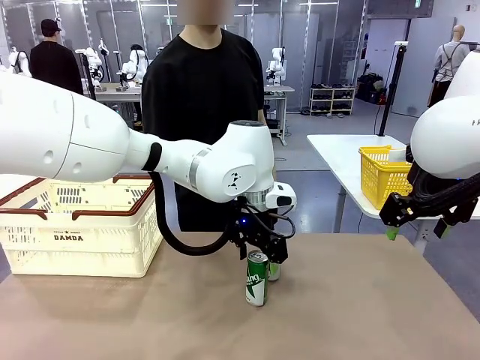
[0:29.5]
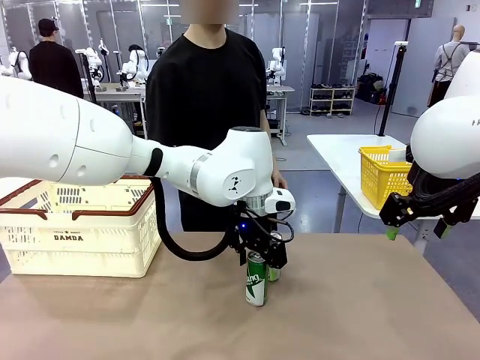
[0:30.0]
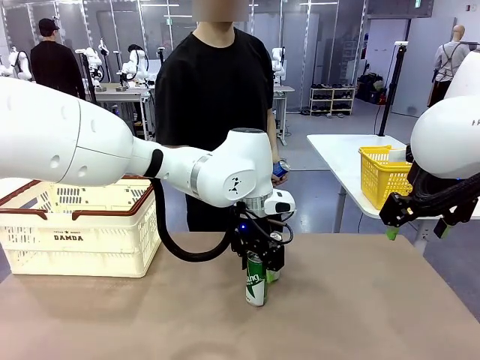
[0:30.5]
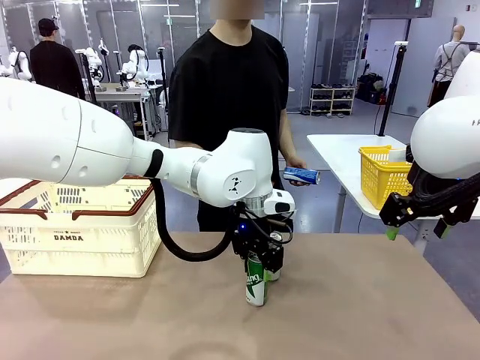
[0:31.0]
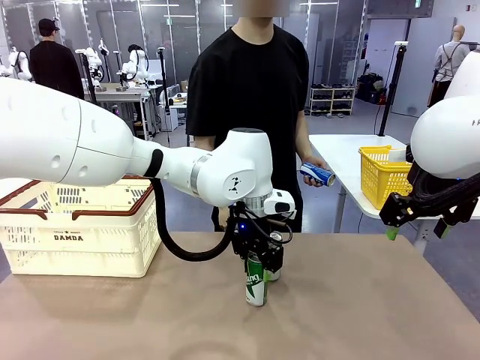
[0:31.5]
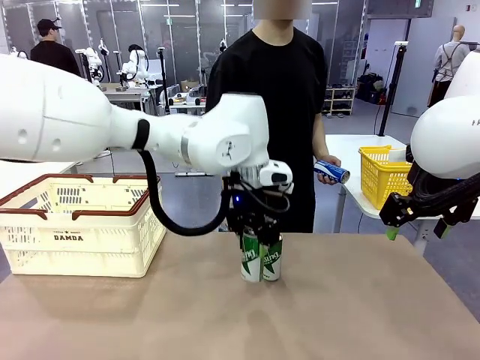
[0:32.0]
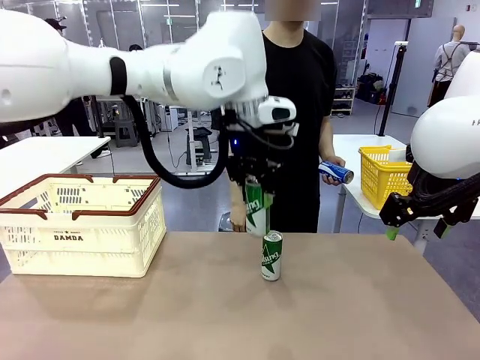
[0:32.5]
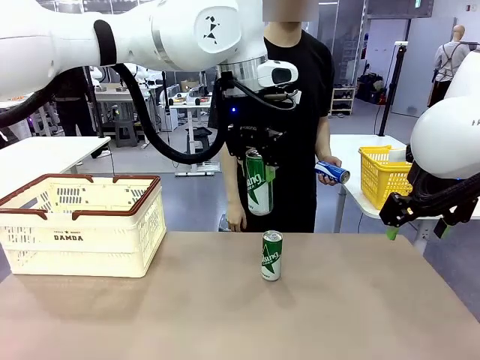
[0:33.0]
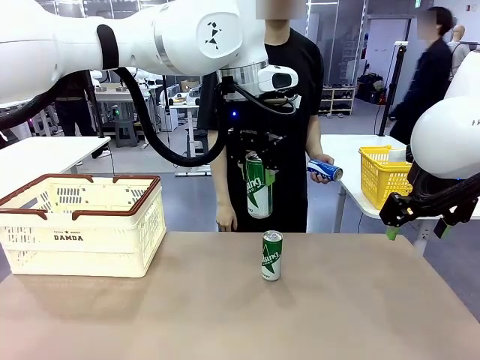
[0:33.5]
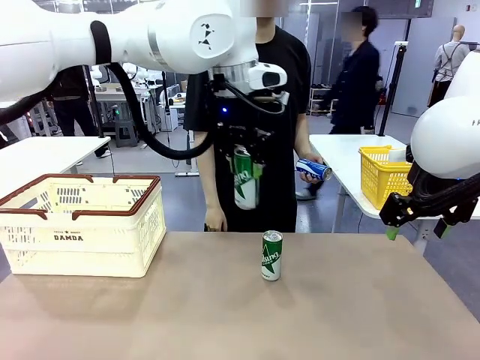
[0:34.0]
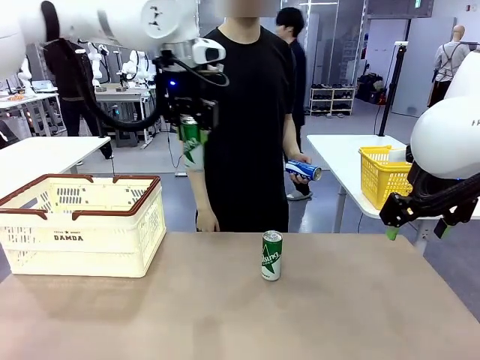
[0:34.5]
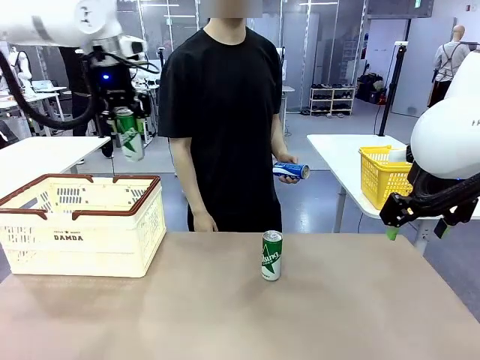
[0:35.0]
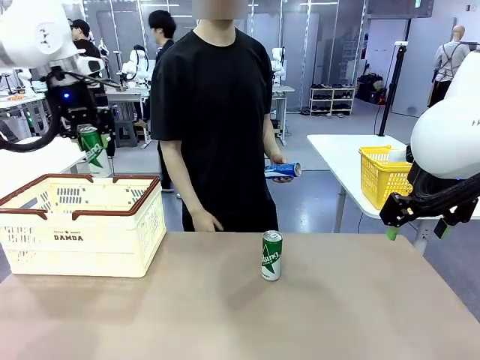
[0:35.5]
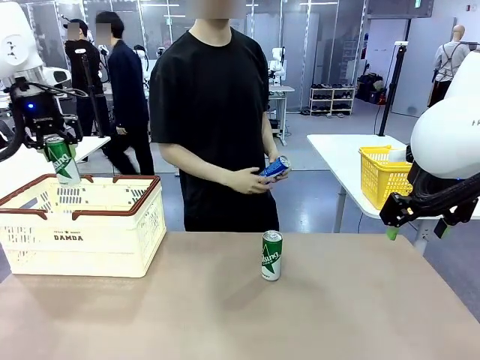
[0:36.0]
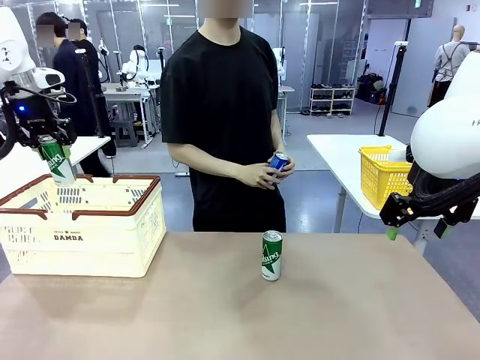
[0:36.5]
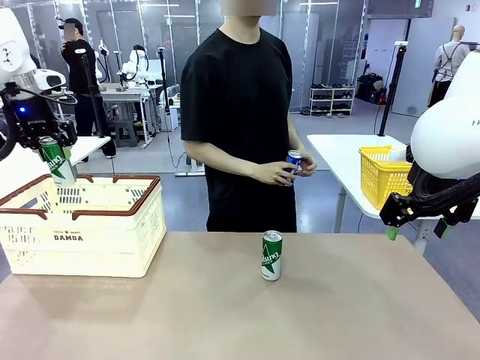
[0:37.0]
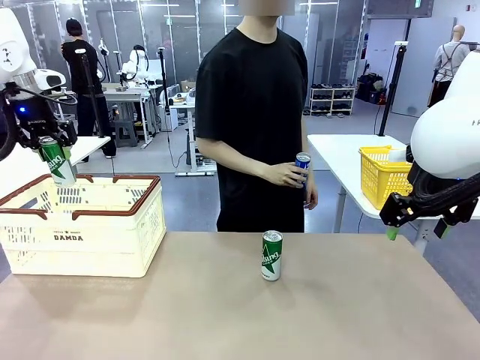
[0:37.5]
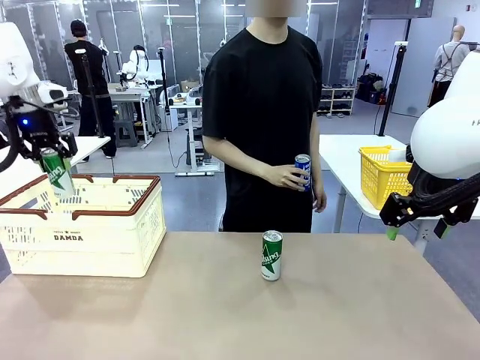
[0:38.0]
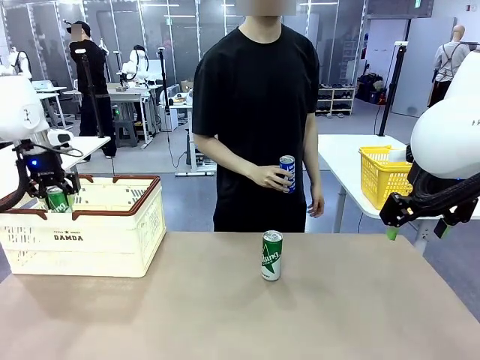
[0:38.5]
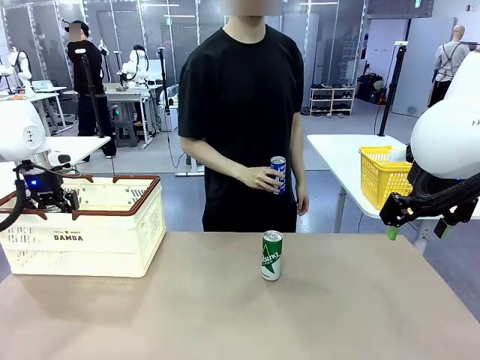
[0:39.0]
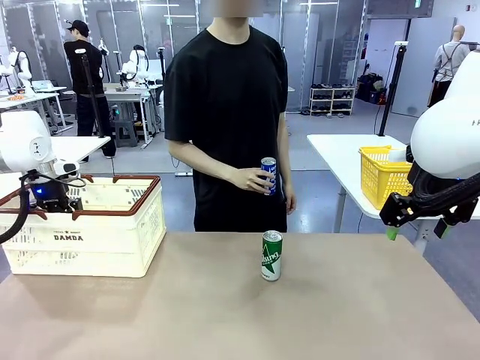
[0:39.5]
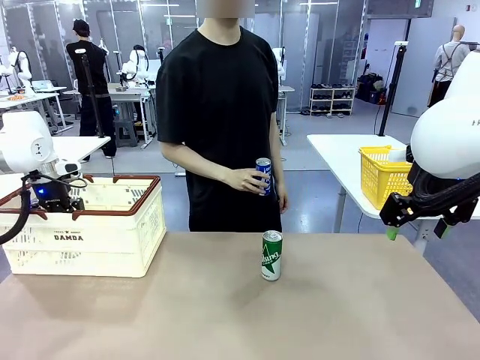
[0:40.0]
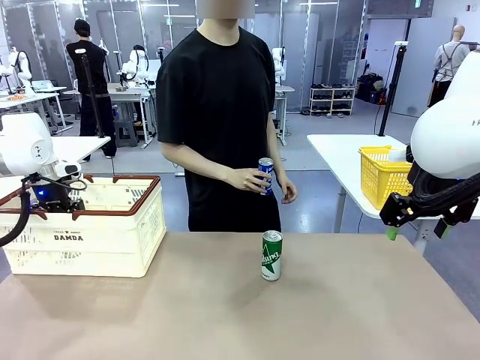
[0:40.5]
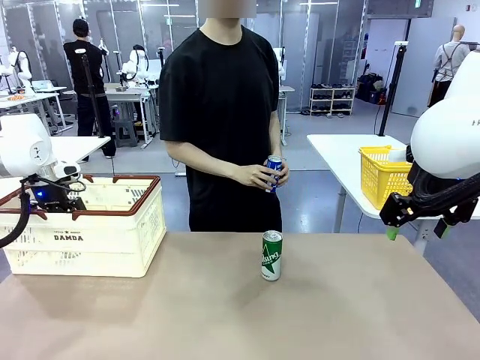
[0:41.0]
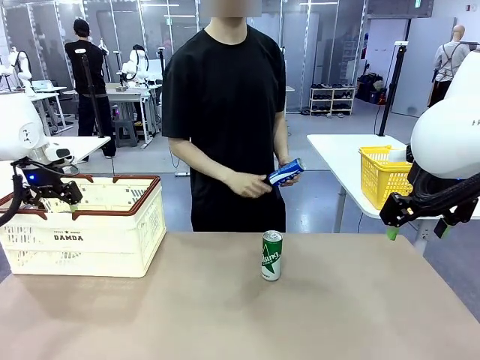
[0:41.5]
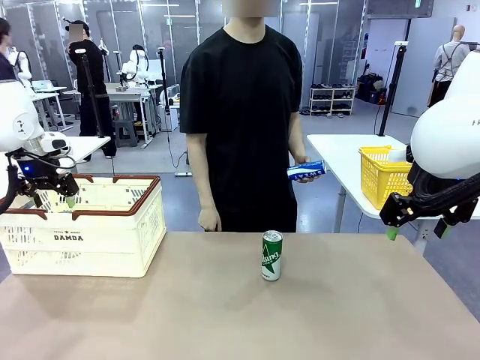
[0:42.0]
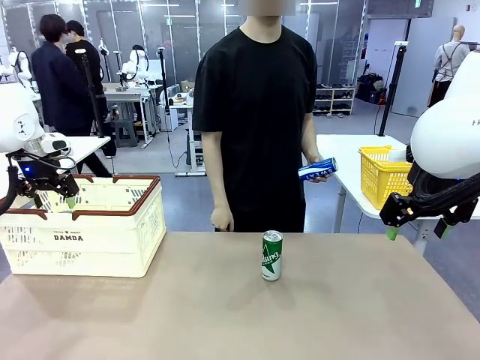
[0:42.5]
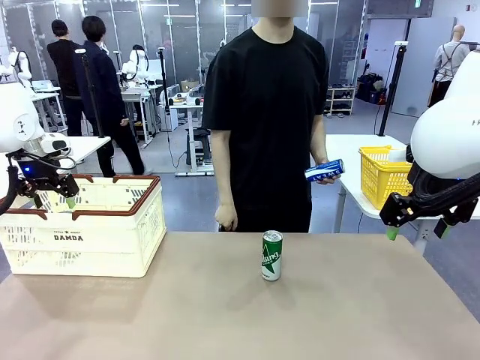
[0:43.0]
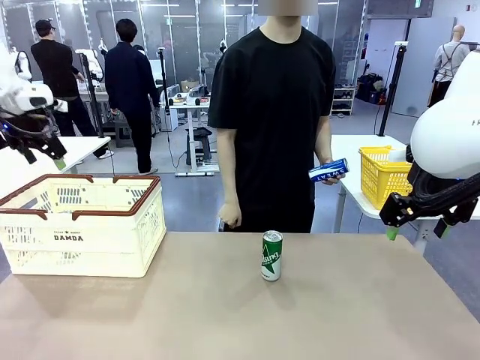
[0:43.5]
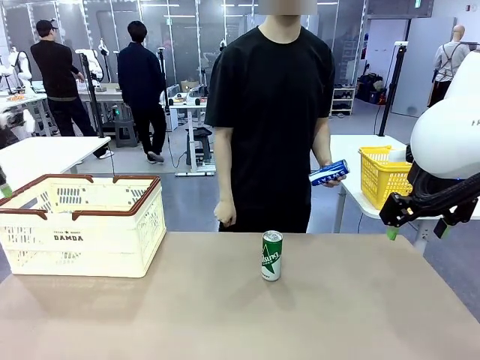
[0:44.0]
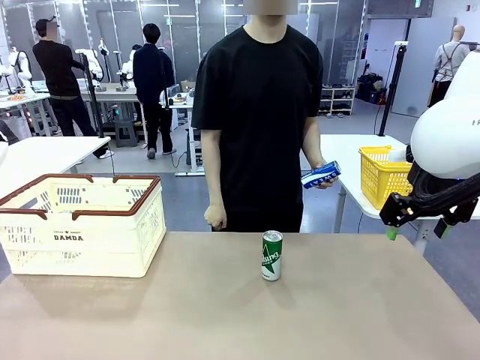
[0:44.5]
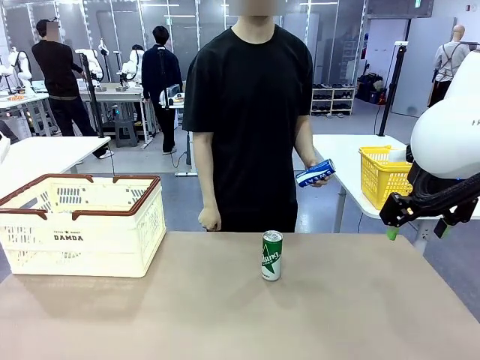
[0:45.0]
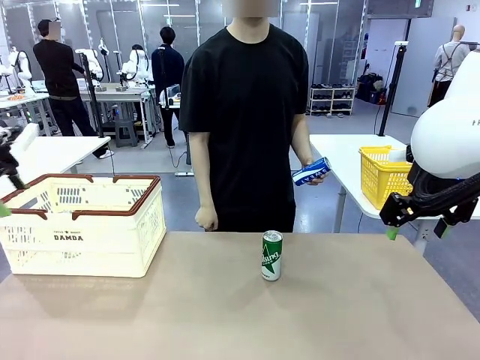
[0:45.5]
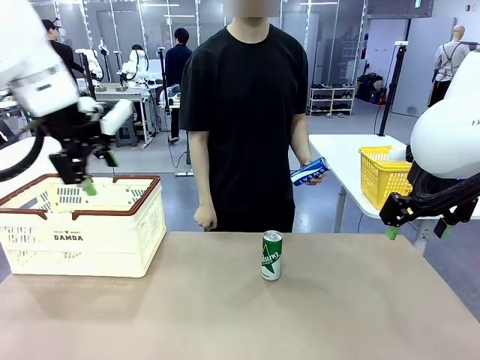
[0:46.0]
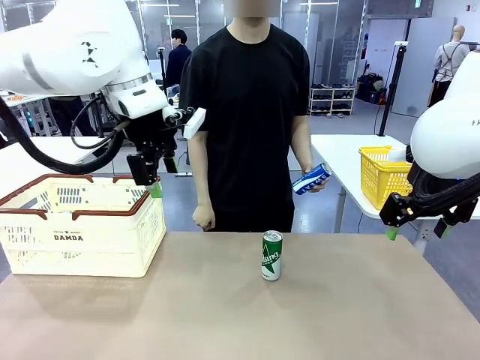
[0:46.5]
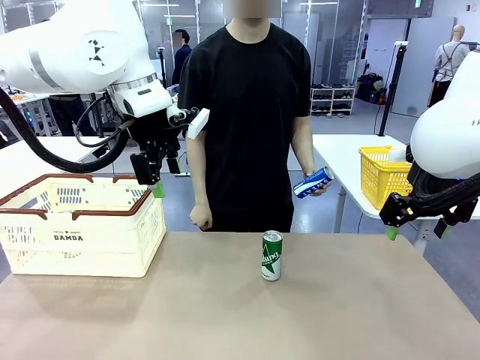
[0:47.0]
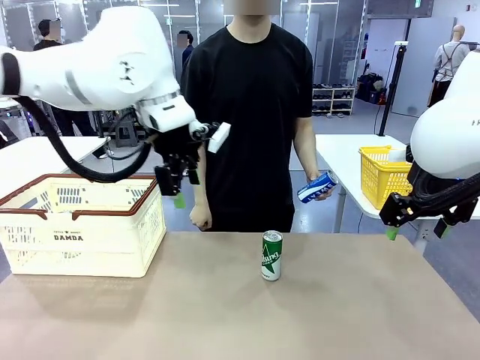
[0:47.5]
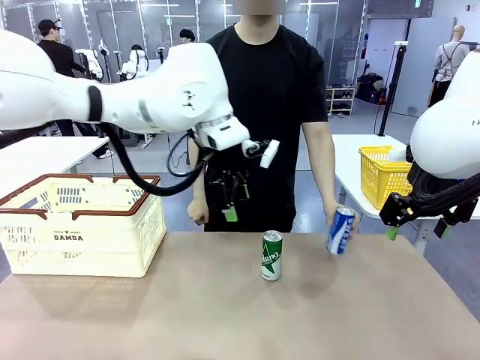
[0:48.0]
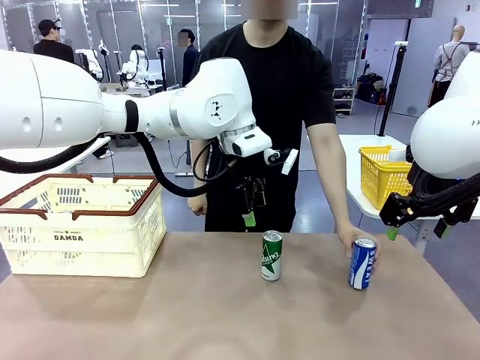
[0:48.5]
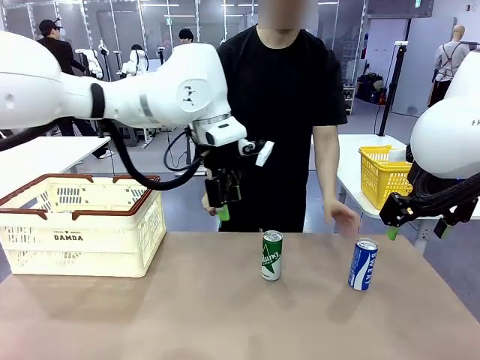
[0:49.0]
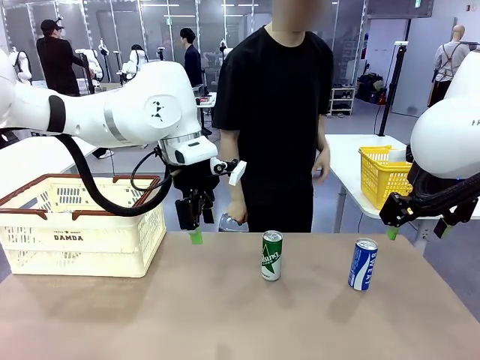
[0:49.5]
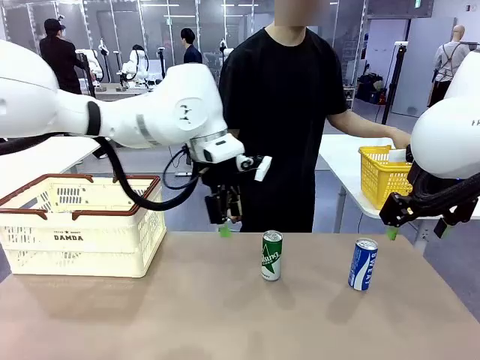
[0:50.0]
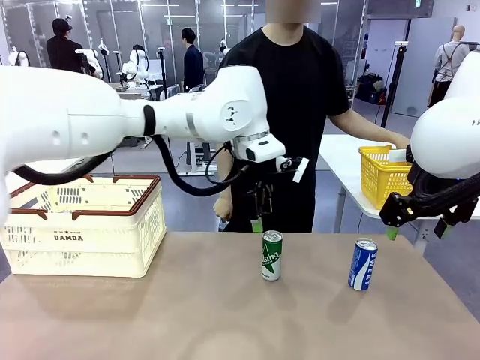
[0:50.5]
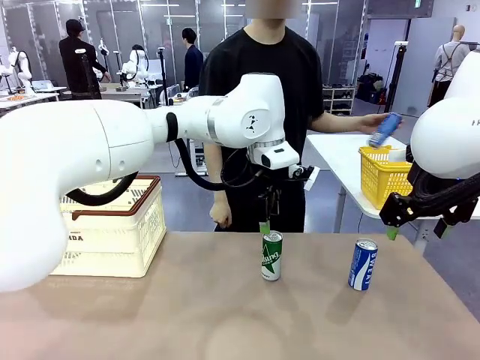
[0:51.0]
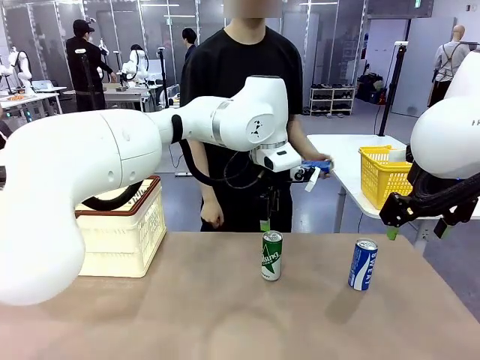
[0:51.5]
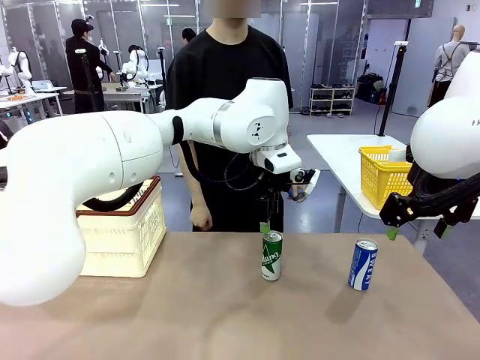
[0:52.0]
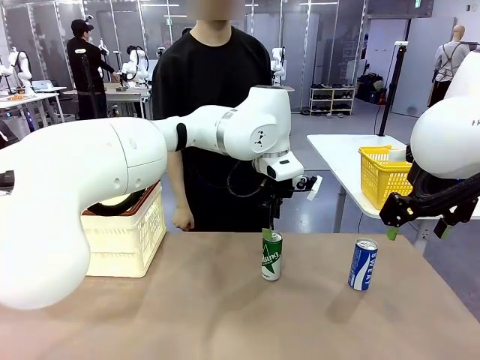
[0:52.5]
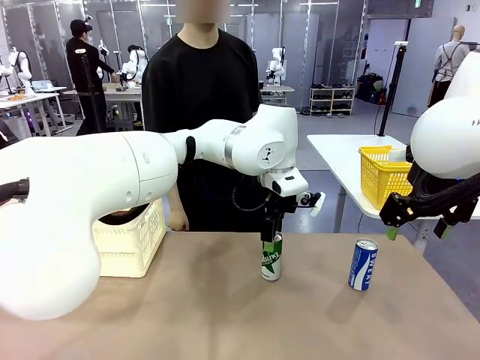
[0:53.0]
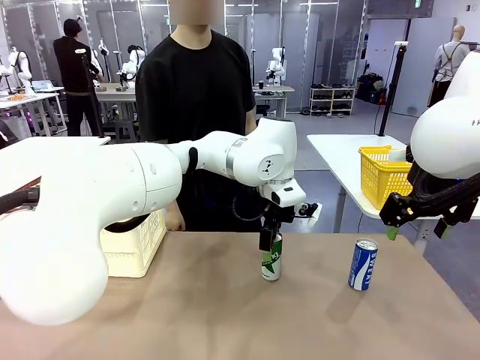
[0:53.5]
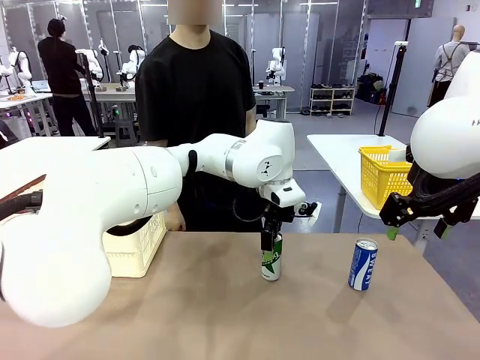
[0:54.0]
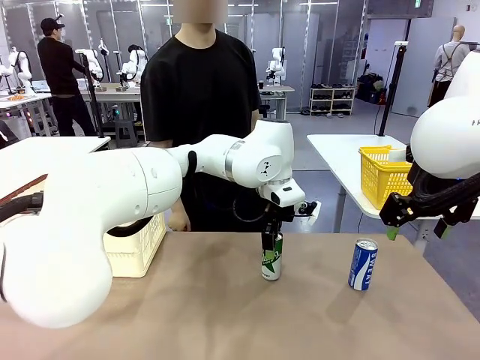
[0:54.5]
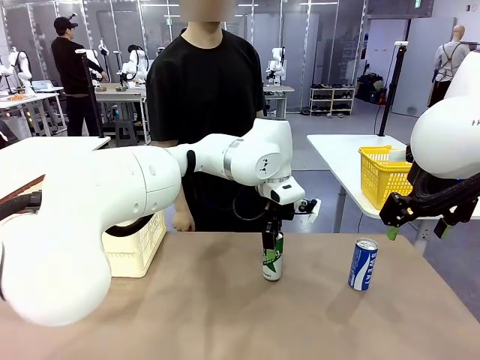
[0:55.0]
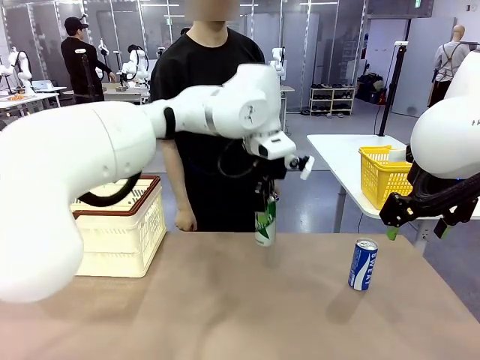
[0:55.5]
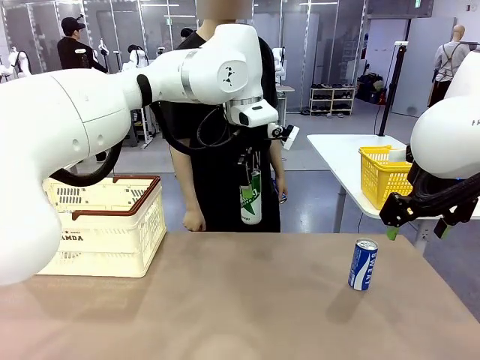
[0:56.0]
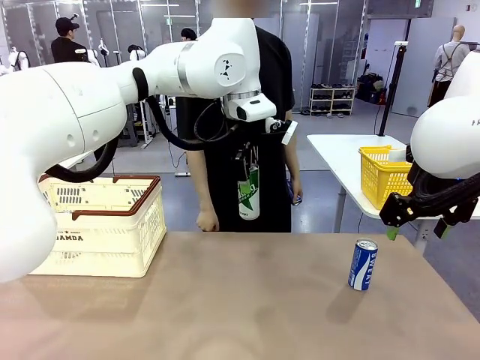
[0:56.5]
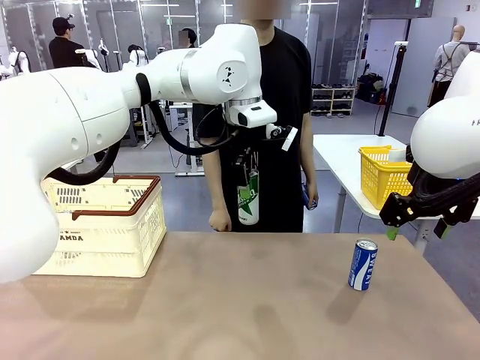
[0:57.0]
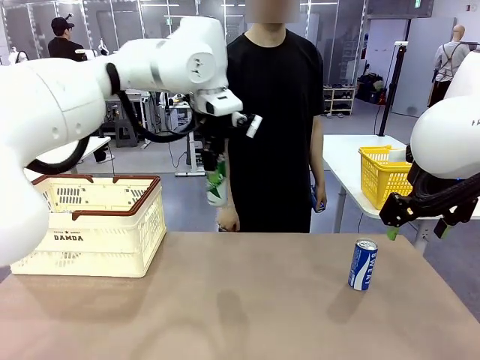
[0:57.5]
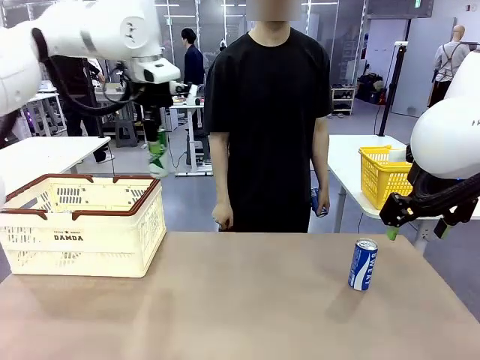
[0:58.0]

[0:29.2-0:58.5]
Task: Place the drinks into the Shopping basket.
Robot: Pick up one drink and place it into the Shopping basket.
